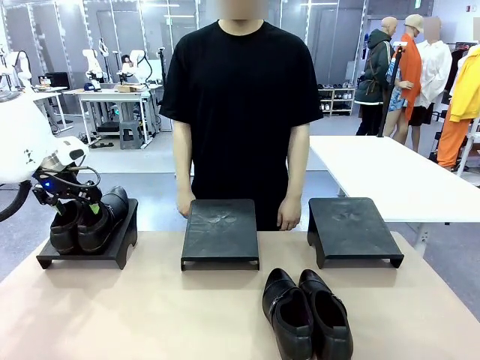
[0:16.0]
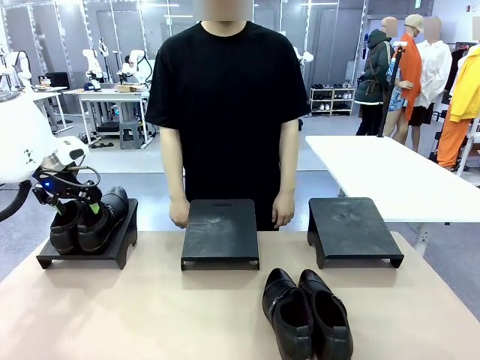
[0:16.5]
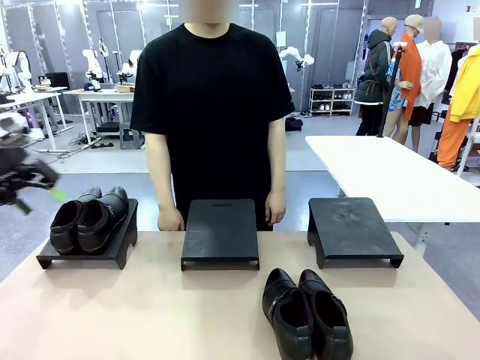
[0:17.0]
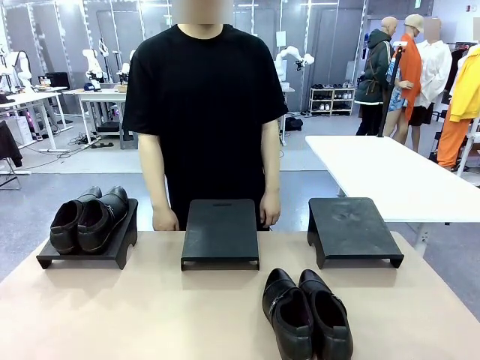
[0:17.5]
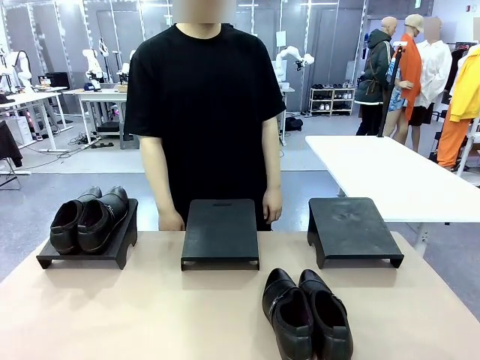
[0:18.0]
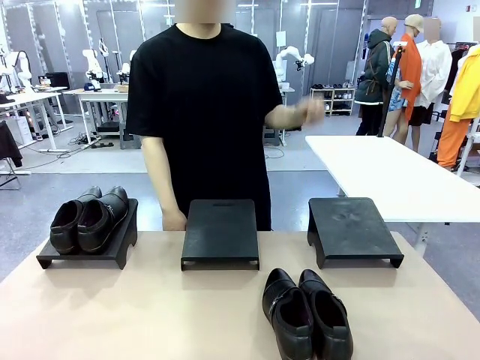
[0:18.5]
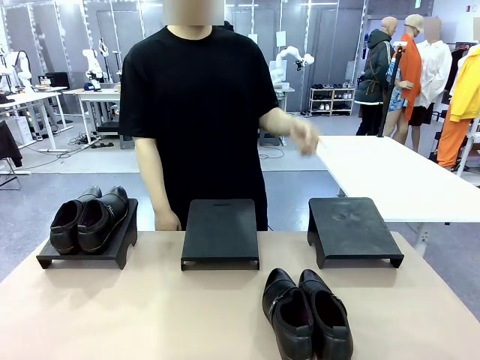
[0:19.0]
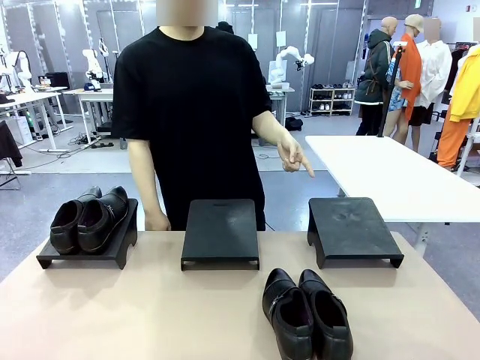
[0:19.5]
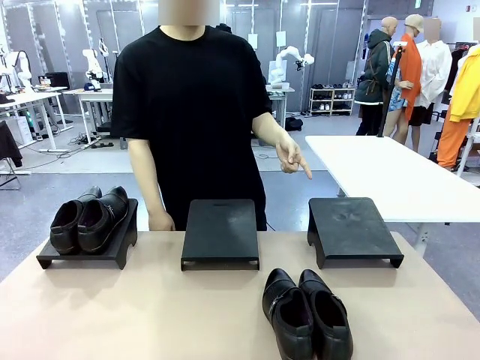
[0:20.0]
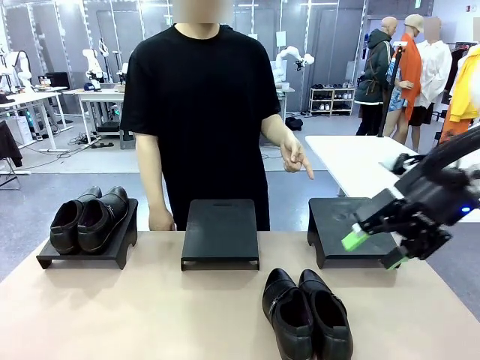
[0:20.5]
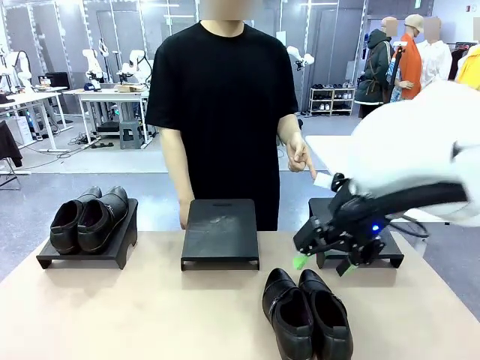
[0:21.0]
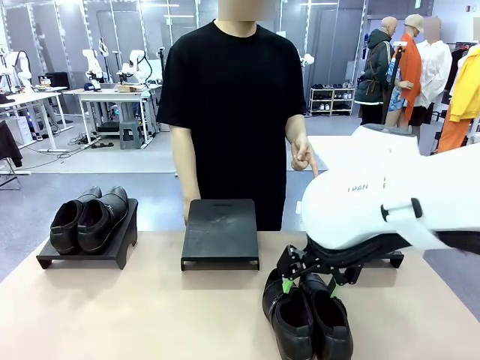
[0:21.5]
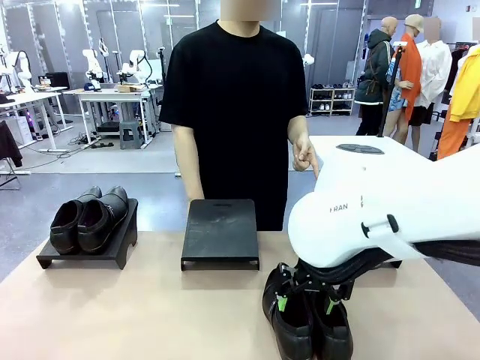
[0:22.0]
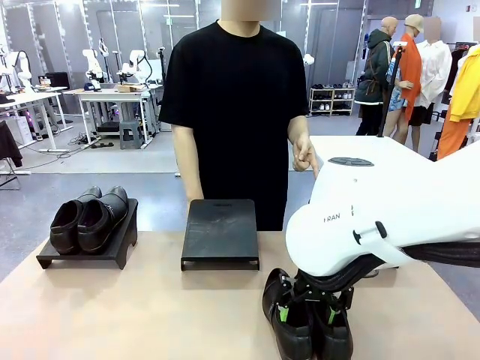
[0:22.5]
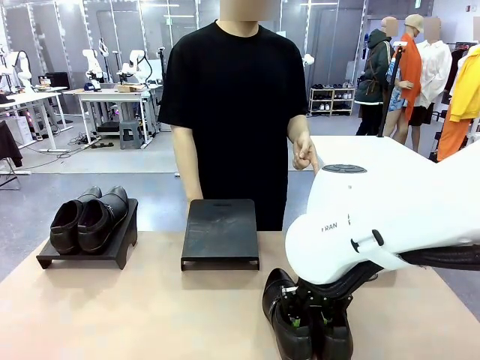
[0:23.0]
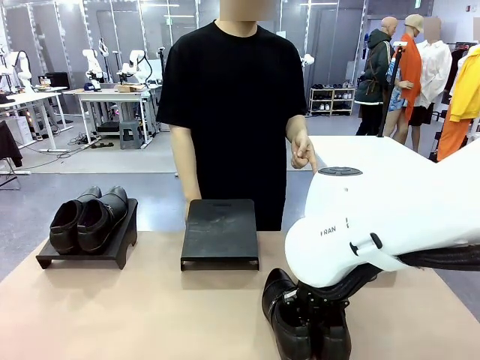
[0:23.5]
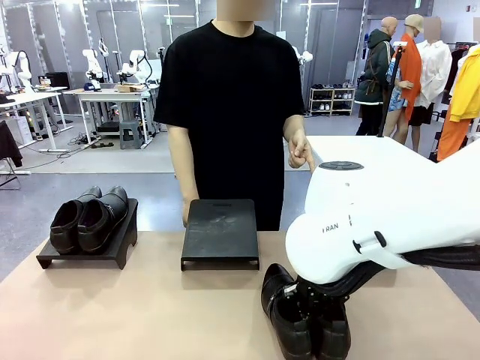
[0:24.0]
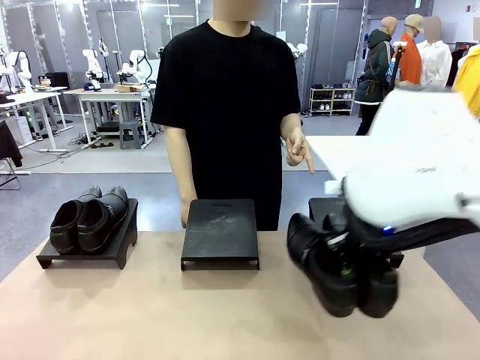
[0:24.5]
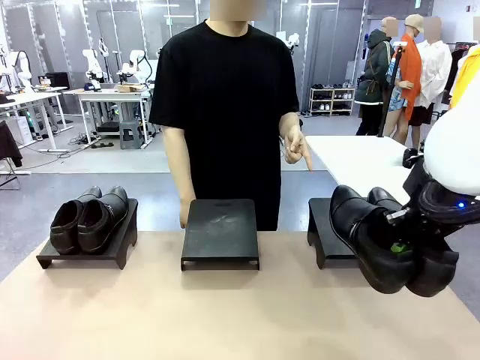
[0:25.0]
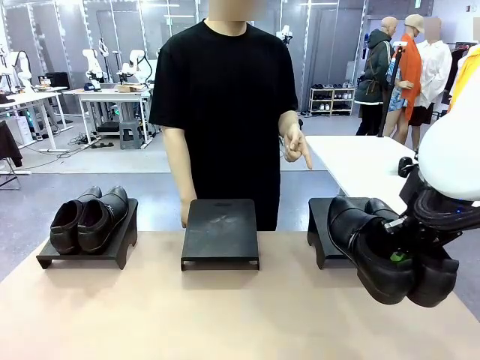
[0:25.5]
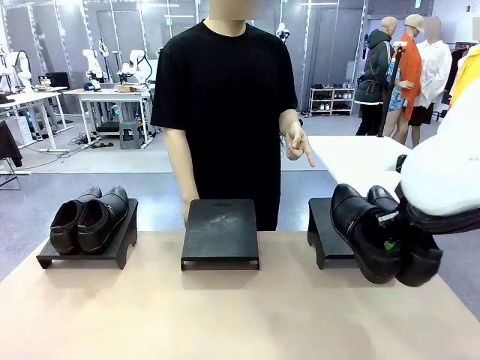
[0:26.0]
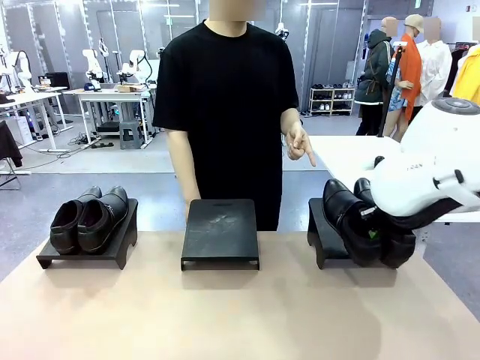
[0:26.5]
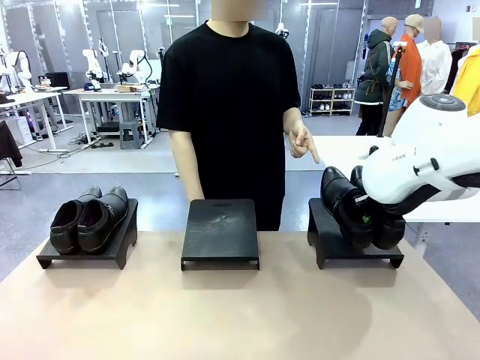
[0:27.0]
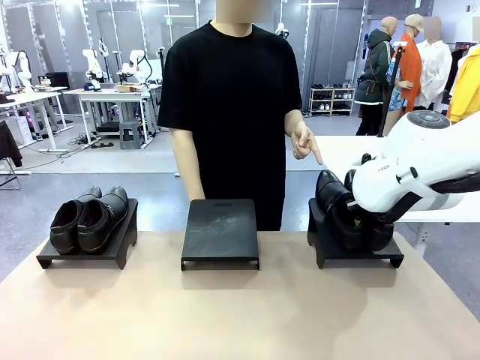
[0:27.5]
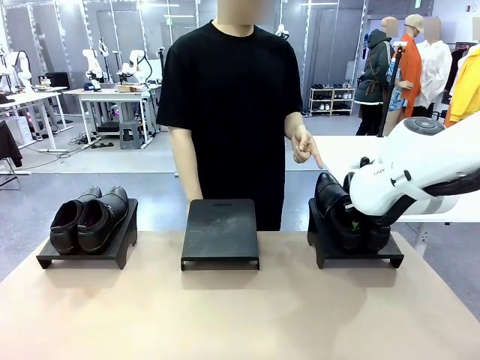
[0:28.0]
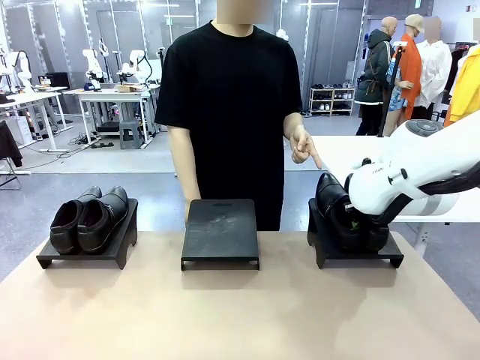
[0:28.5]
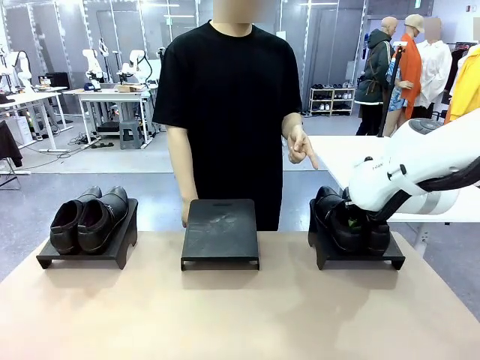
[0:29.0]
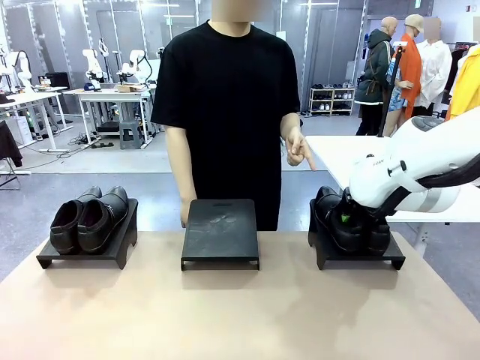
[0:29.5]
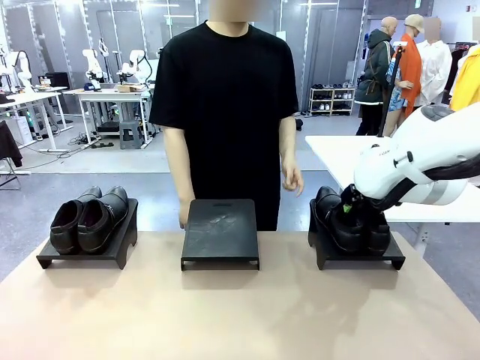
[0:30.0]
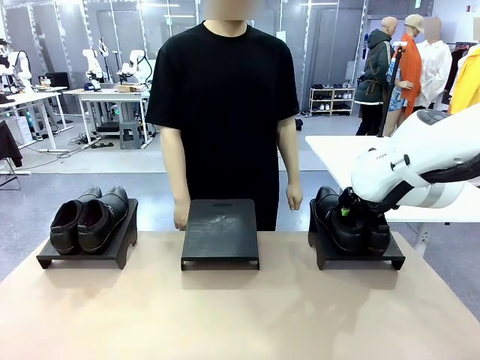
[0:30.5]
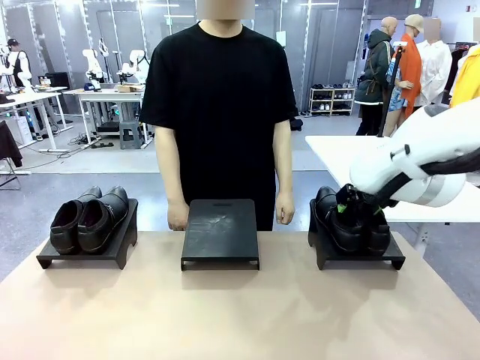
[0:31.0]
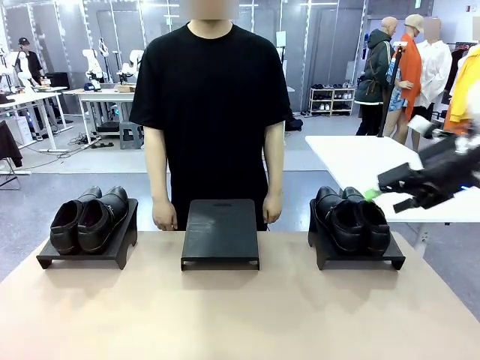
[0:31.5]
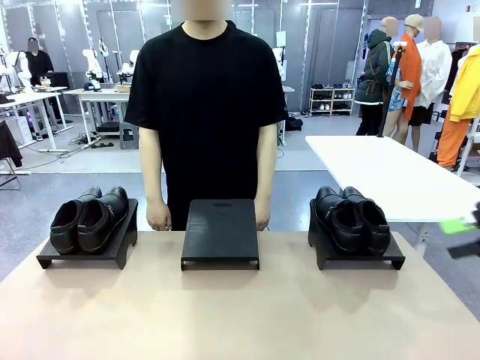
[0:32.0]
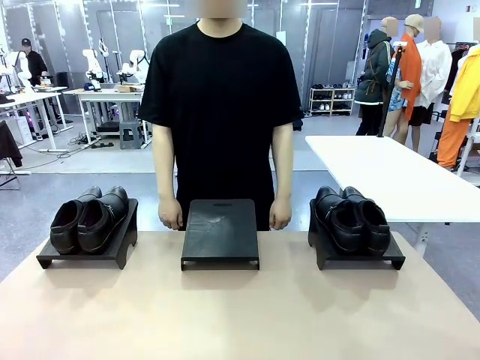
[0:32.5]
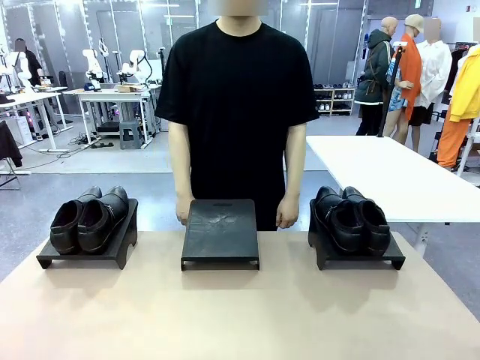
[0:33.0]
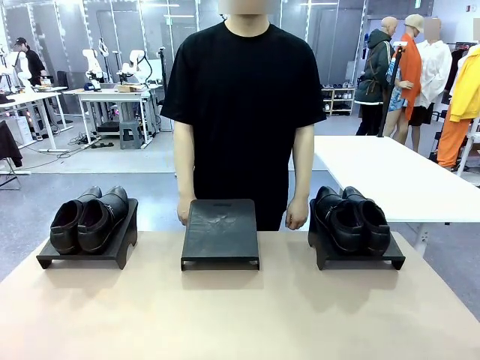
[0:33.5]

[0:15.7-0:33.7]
Task: Place the shoes on the stand as instructed by the person.
Robot: Pick up another pair of Shoes and place it on the Shoes Stand indicated by the person.
Person: Point to one Shoes Stand.
